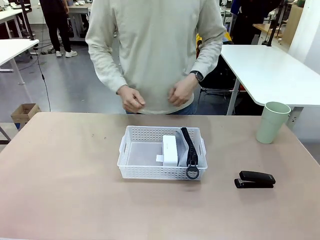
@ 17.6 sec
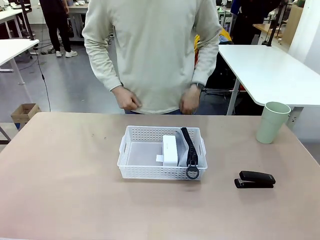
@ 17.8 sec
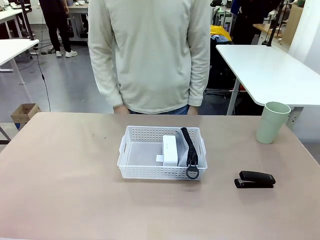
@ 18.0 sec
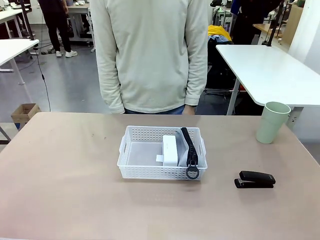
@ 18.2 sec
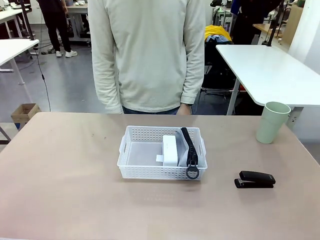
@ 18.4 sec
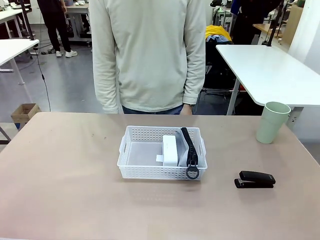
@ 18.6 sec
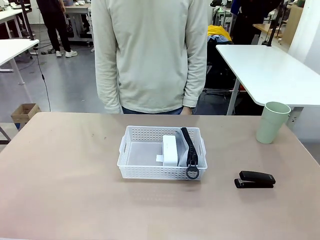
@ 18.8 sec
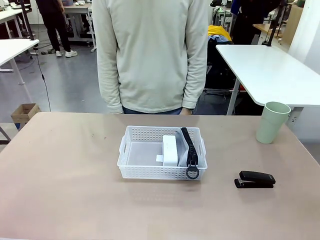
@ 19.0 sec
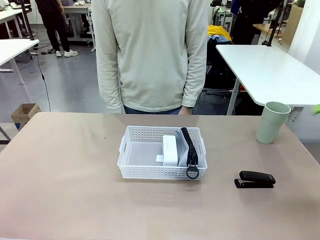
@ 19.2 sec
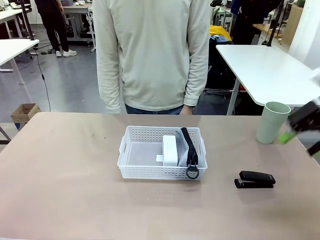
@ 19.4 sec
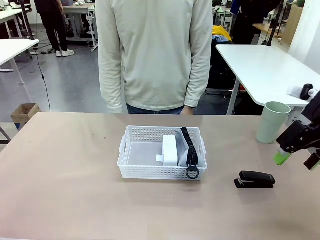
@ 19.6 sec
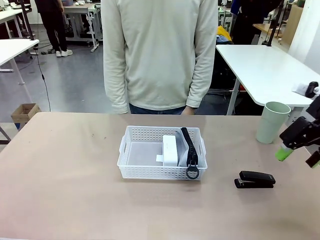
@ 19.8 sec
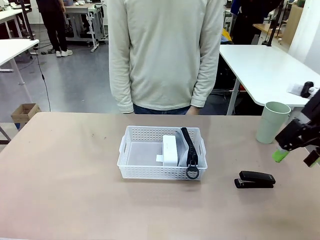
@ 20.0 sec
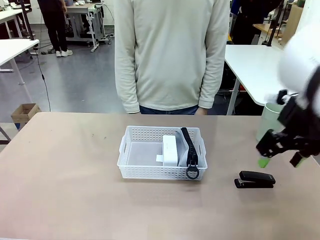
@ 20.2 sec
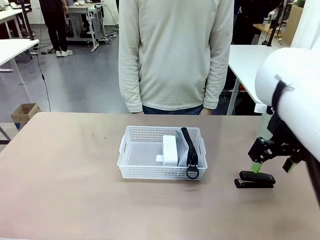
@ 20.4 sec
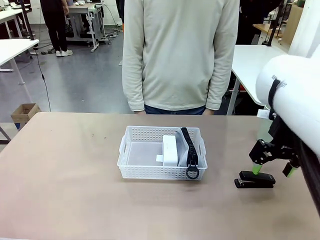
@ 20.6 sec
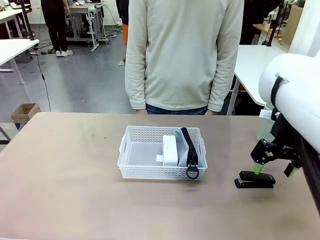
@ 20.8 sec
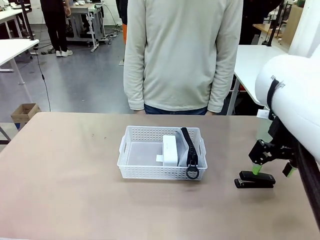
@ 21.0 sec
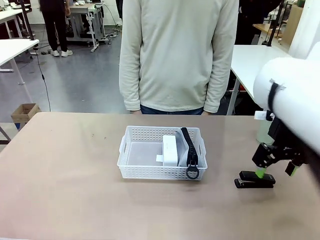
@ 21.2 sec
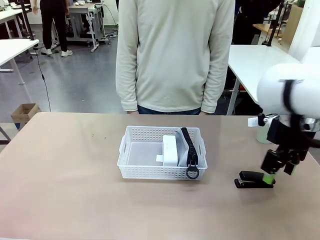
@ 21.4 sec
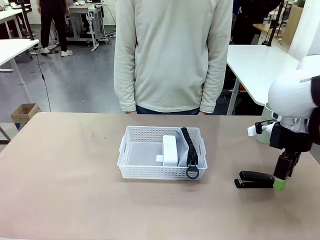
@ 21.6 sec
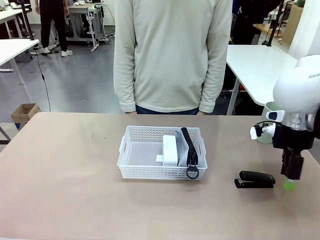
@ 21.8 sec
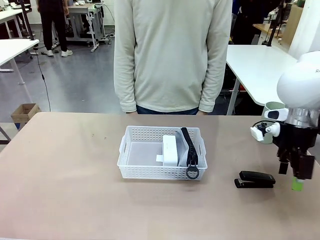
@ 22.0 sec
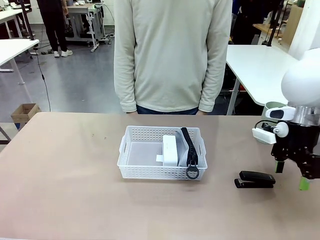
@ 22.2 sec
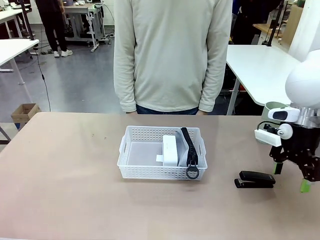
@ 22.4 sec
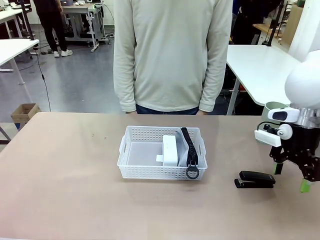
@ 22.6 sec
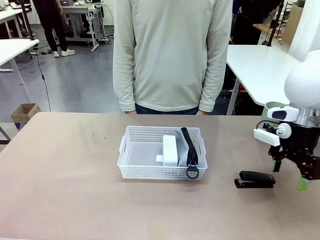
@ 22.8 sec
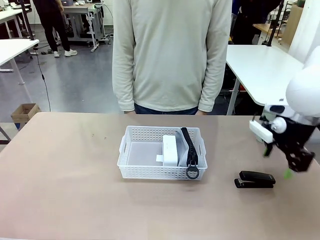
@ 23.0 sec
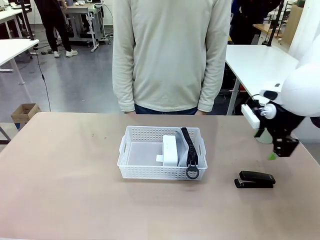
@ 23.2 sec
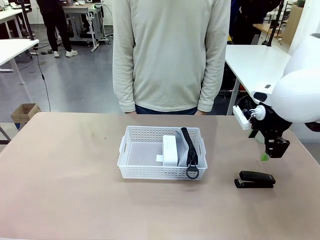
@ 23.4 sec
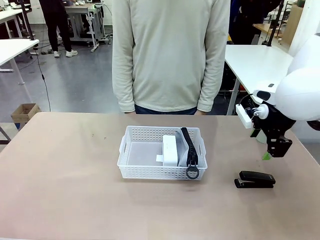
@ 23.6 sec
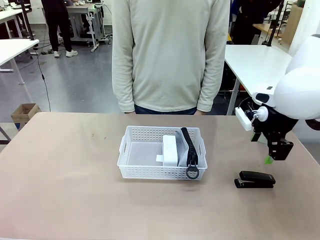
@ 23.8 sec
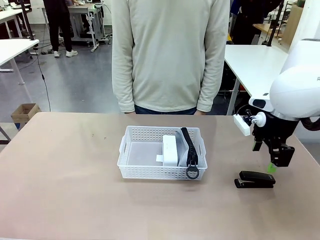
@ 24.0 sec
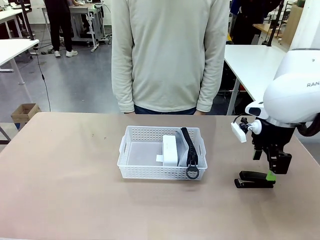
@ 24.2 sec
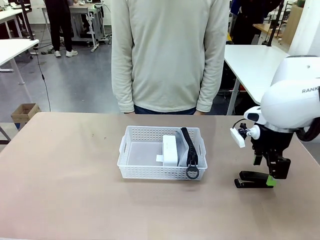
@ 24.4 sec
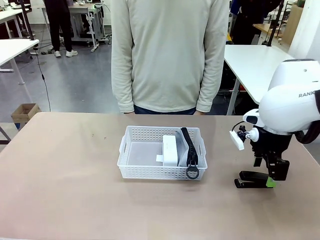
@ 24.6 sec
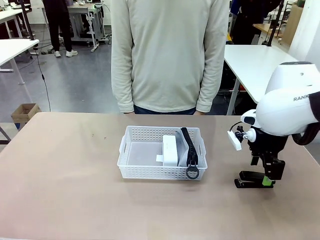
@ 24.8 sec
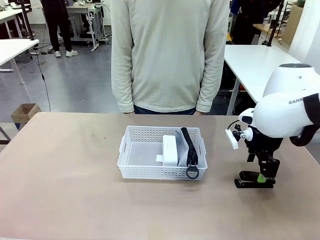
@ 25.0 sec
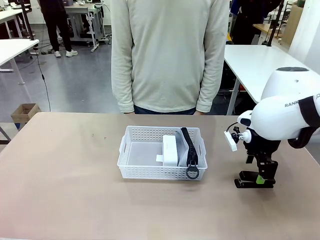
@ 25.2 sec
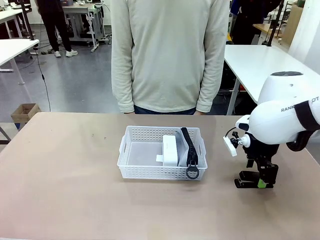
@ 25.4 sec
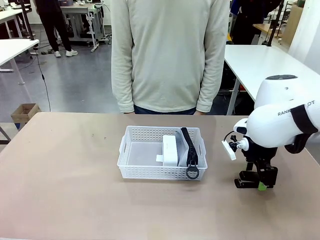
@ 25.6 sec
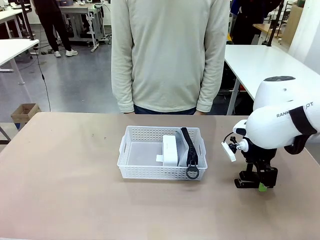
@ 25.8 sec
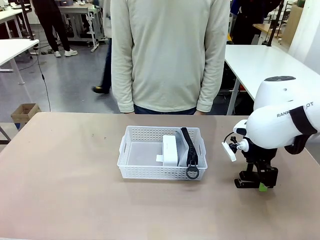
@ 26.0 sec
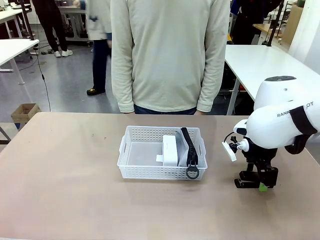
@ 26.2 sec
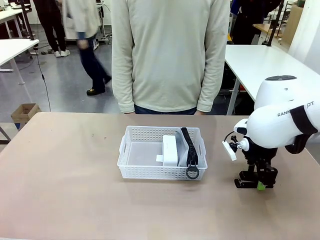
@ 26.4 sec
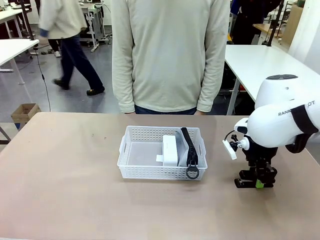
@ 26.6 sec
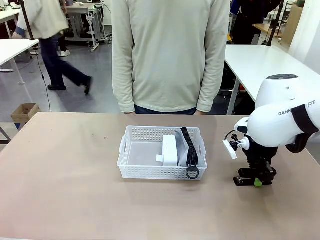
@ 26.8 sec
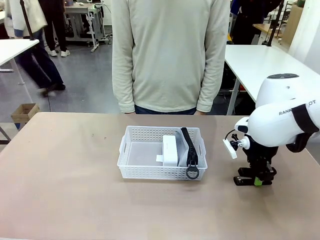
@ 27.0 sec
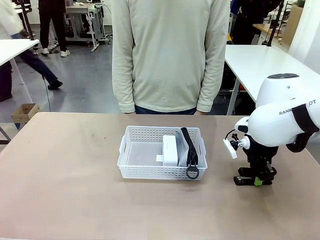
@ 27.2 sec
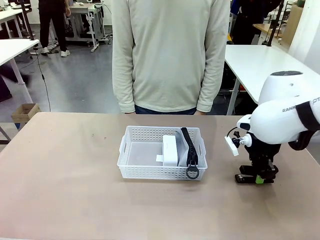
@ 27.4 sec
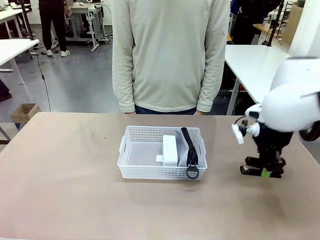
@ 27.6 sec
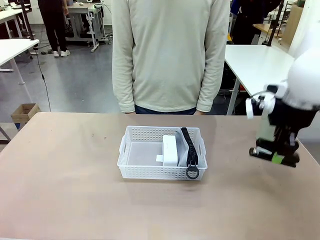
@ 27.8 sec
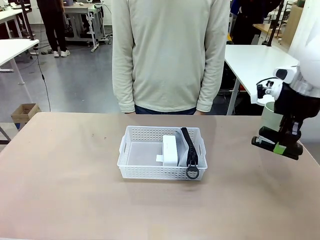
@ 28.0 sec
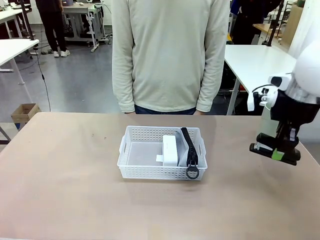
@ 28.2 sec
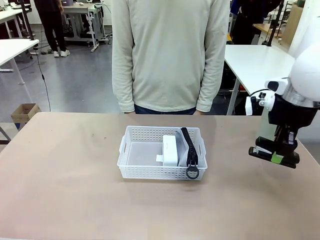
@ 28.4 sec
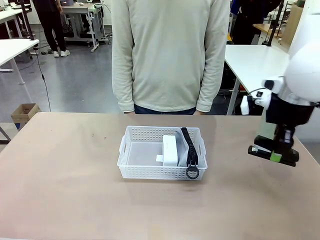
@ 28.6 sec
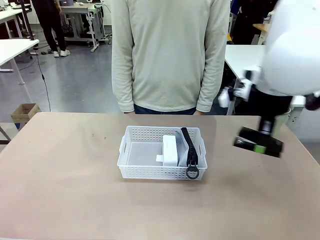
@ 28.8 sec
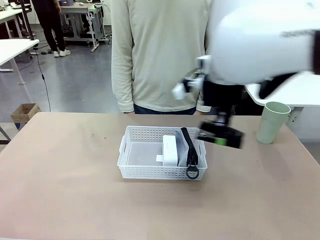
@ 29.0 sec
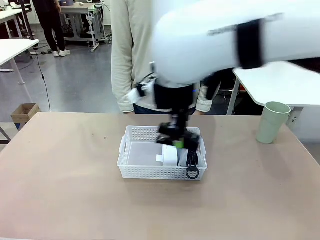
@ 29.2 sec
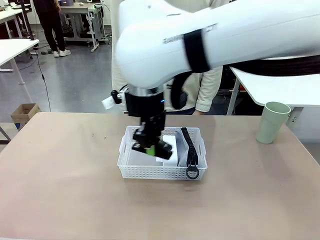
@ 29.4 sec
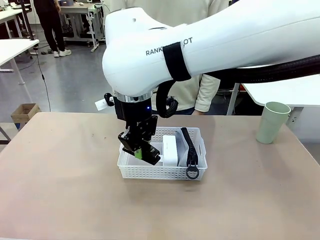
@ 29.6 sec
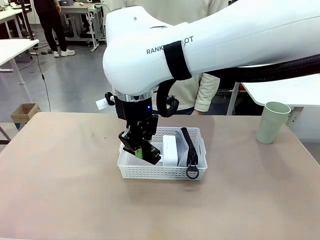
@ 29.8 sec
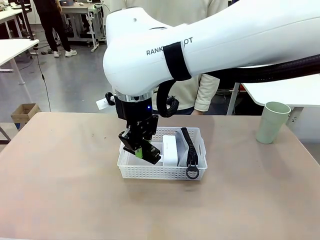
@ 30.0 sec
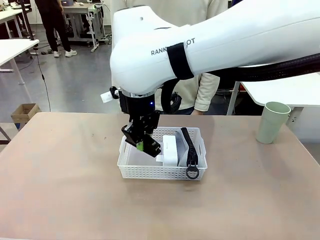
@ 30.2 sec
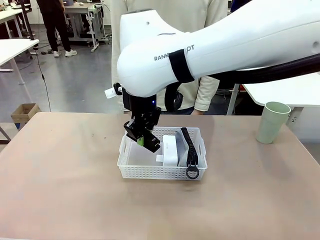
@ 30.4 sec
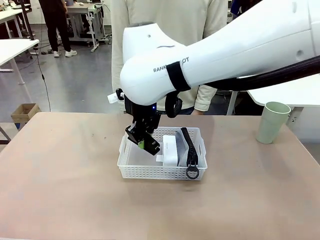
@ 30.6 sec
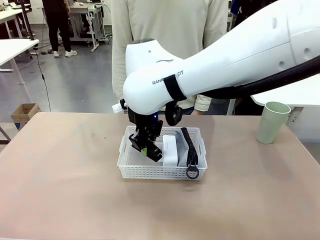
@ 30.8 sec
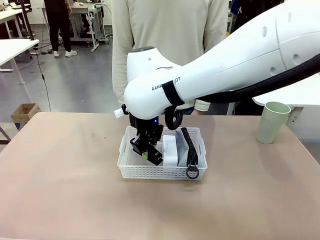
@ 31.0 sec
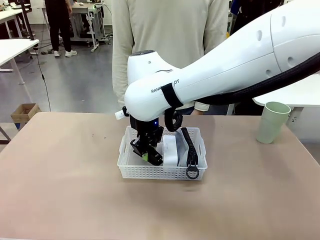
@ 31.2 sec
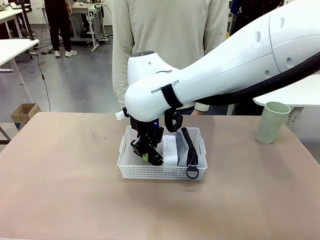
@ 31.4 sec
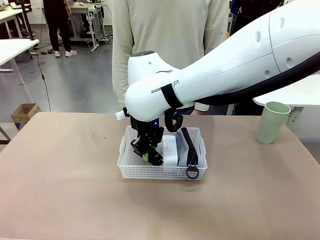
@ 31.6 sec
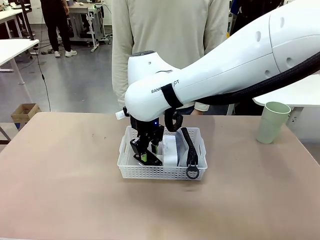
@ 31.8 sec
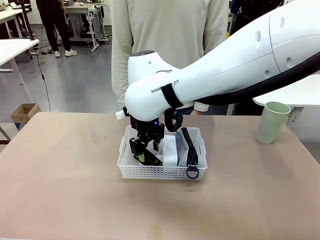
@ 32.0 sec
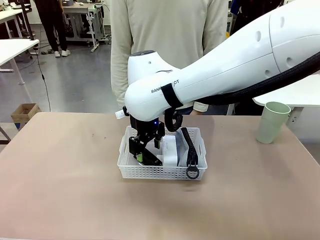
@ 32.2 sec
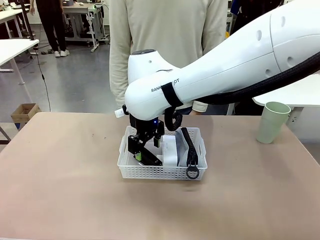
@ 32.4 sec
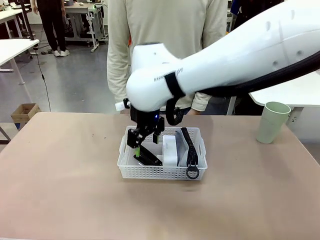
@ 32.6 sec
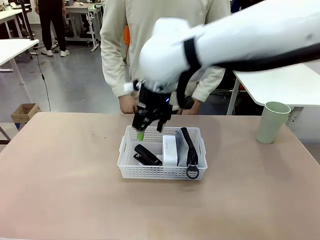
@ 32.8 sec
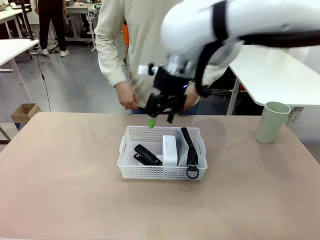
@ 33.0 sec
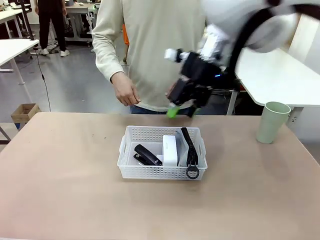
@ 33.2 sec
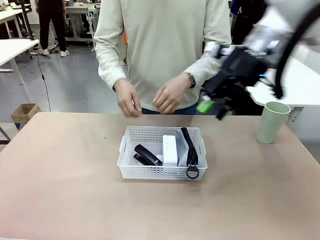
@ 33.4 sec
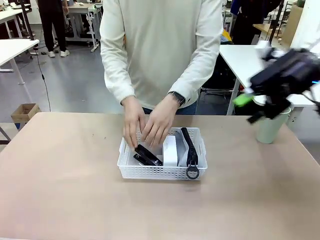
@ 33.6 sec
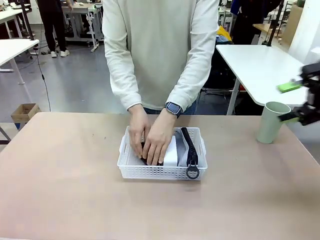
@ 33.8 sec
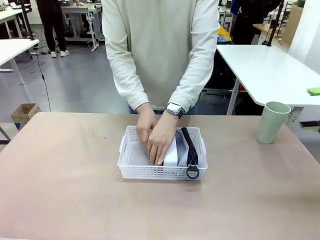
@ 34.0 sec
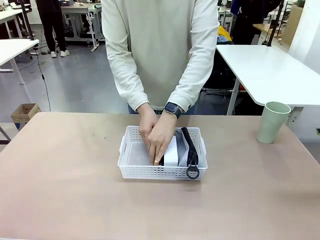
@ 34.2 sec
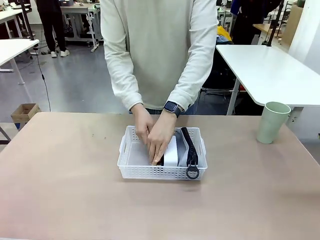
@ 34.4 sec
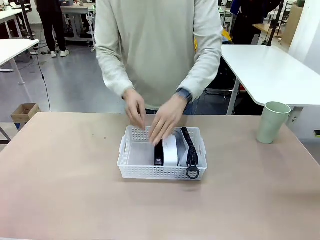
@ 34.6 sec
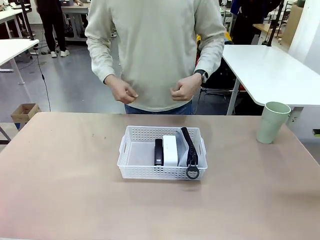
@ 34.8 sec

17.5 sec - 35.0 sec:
Task: Efficiently arrange items inside the basket to fit them all.
Robot: Pick up the Stapler and place it inside the Organizing basket.
